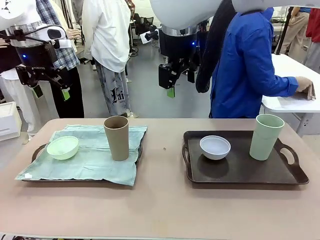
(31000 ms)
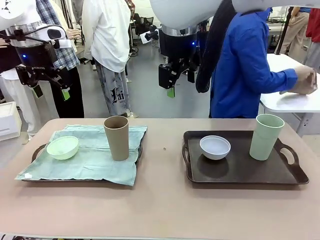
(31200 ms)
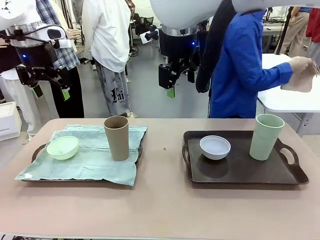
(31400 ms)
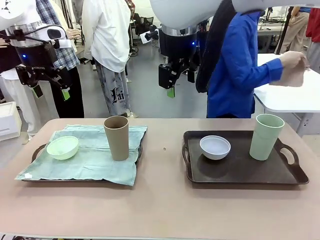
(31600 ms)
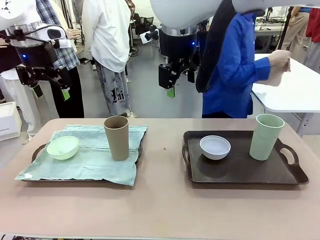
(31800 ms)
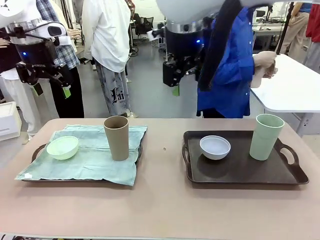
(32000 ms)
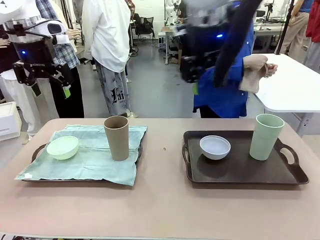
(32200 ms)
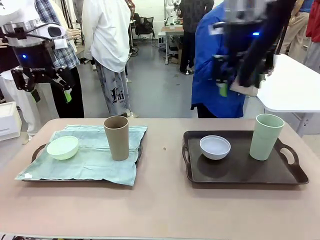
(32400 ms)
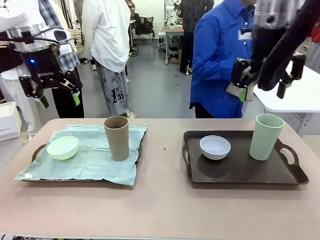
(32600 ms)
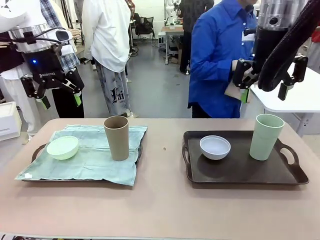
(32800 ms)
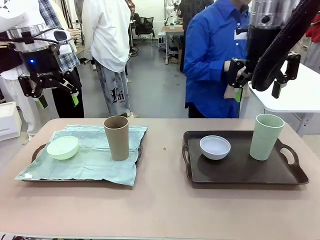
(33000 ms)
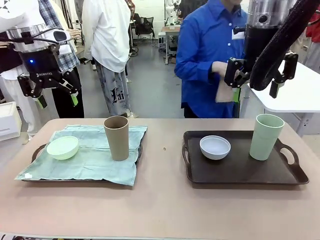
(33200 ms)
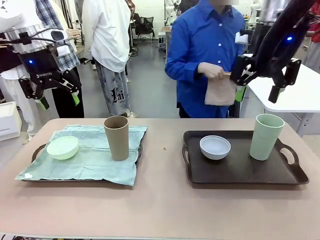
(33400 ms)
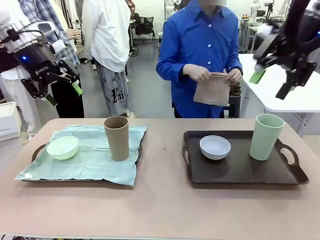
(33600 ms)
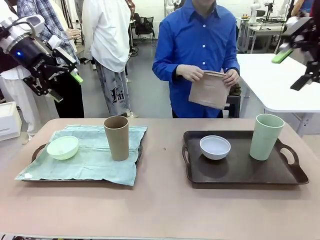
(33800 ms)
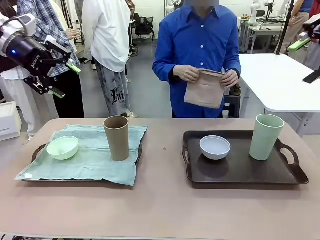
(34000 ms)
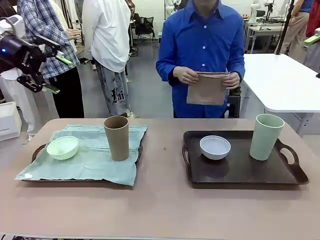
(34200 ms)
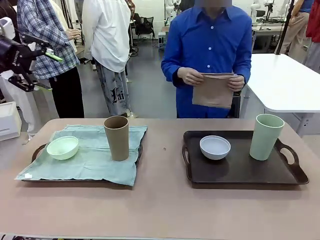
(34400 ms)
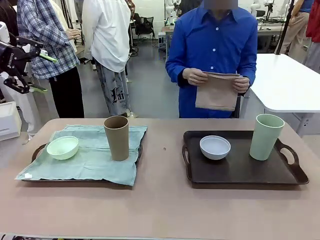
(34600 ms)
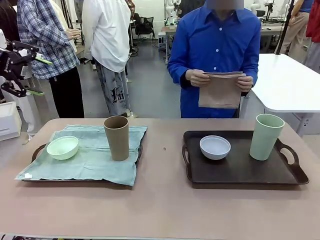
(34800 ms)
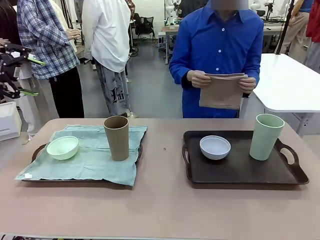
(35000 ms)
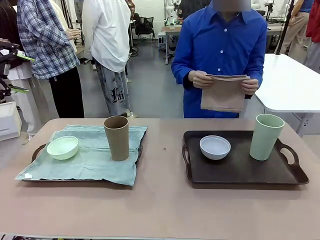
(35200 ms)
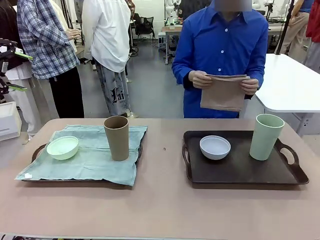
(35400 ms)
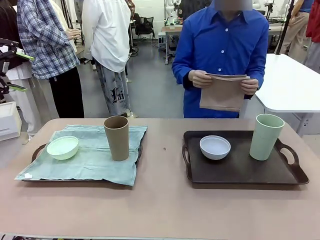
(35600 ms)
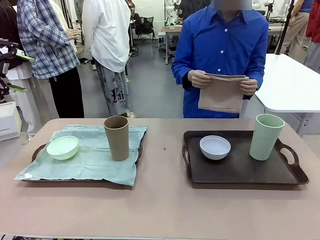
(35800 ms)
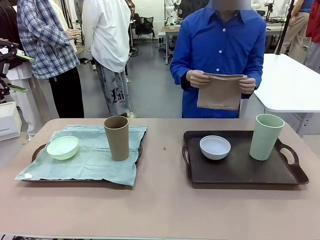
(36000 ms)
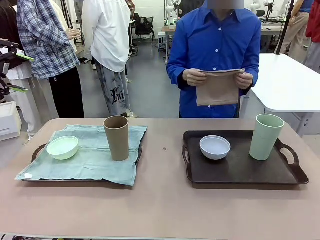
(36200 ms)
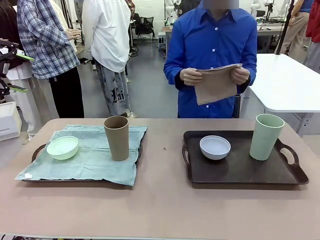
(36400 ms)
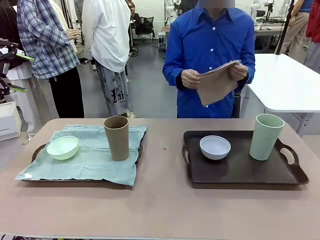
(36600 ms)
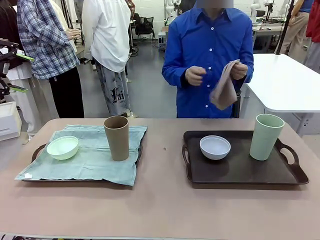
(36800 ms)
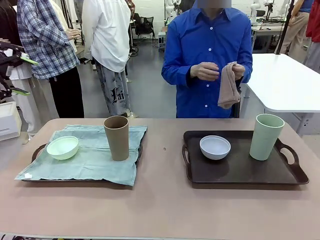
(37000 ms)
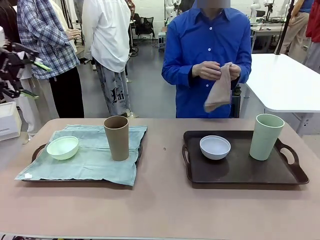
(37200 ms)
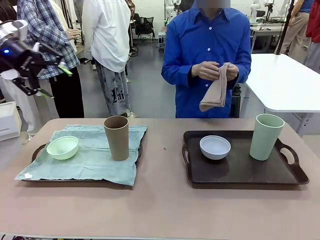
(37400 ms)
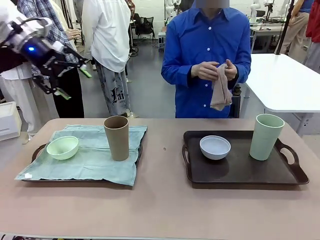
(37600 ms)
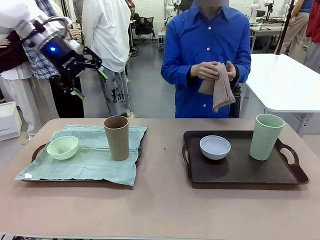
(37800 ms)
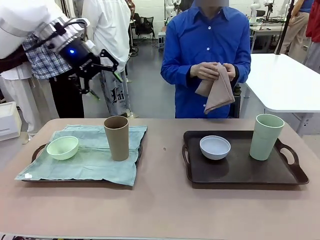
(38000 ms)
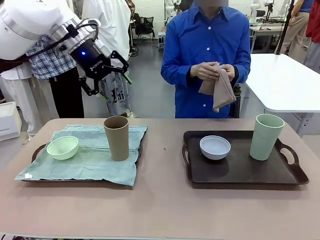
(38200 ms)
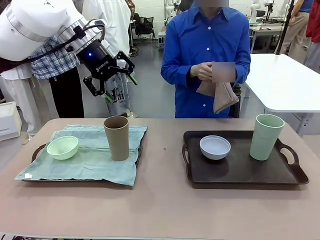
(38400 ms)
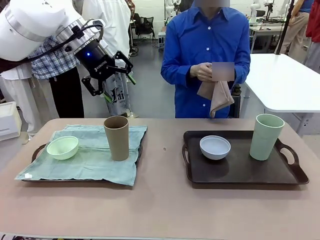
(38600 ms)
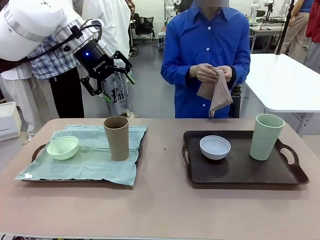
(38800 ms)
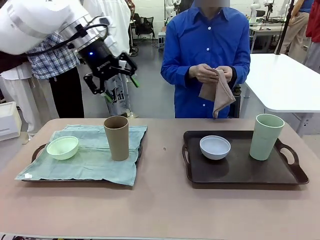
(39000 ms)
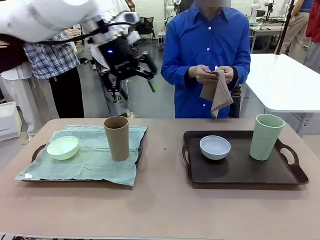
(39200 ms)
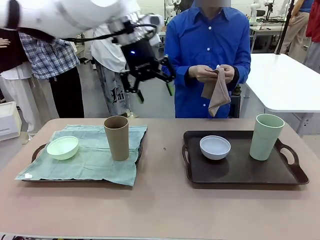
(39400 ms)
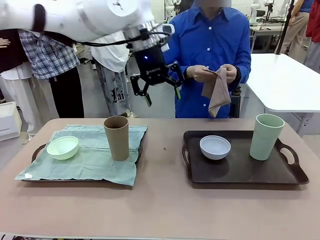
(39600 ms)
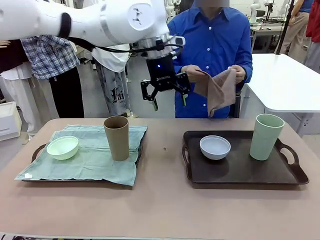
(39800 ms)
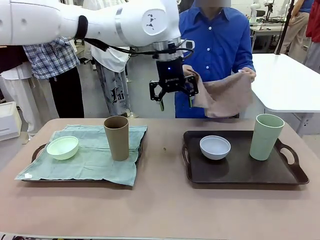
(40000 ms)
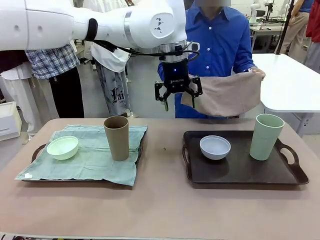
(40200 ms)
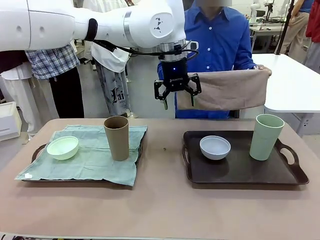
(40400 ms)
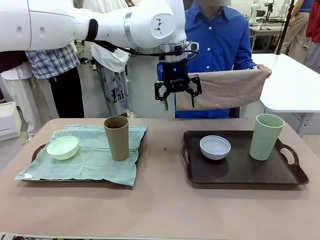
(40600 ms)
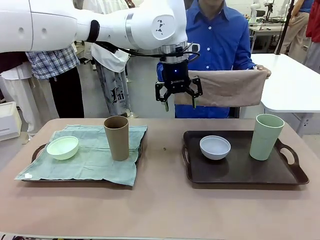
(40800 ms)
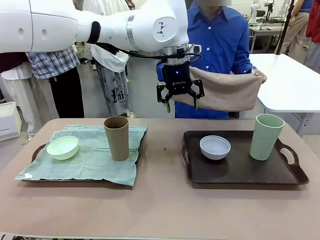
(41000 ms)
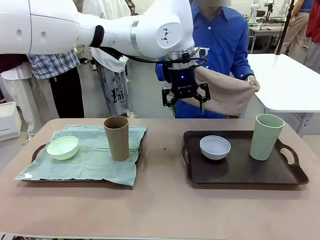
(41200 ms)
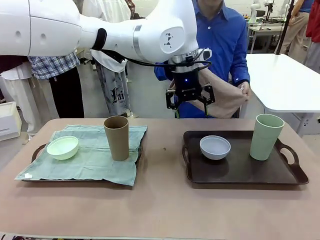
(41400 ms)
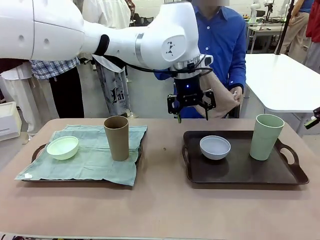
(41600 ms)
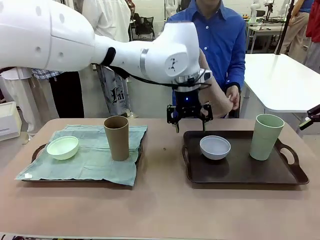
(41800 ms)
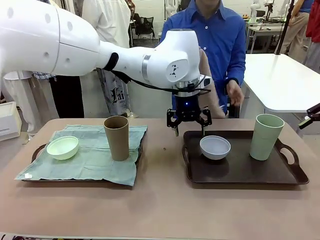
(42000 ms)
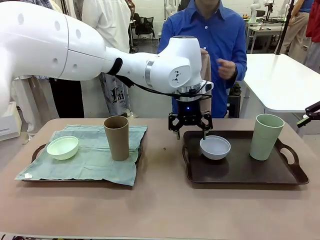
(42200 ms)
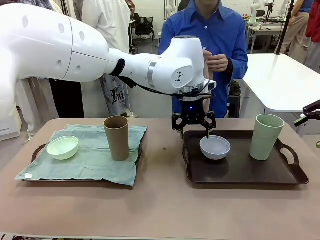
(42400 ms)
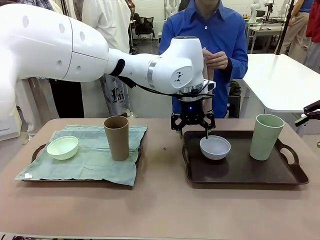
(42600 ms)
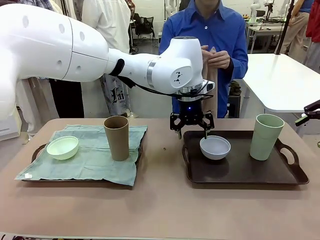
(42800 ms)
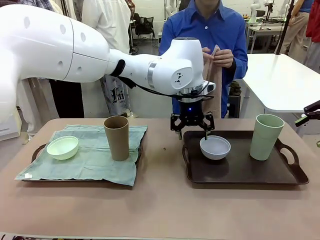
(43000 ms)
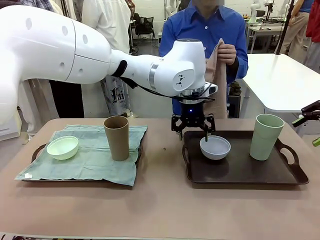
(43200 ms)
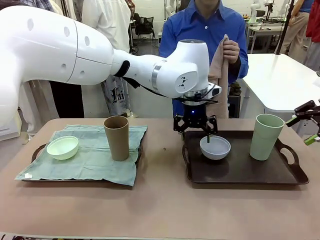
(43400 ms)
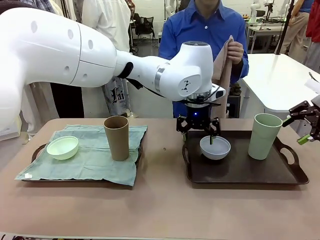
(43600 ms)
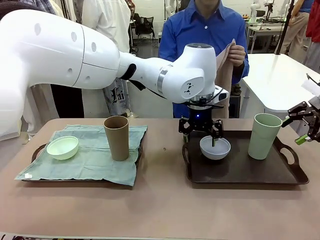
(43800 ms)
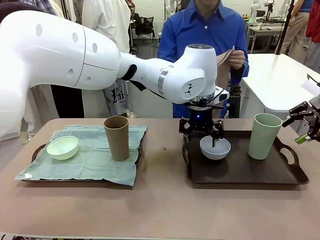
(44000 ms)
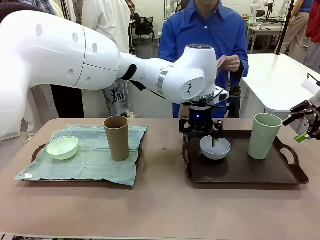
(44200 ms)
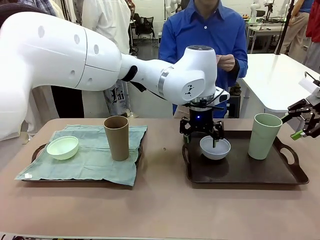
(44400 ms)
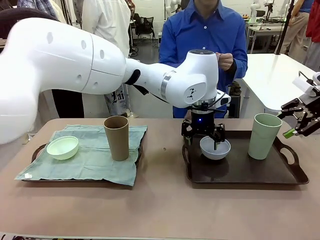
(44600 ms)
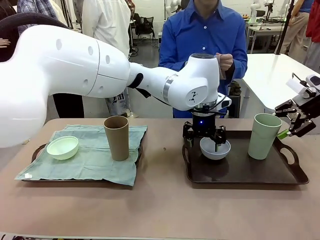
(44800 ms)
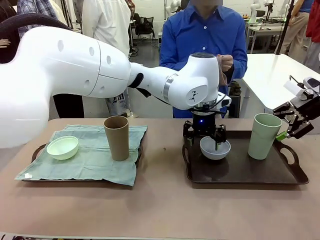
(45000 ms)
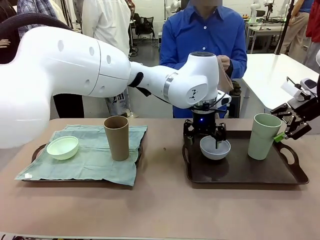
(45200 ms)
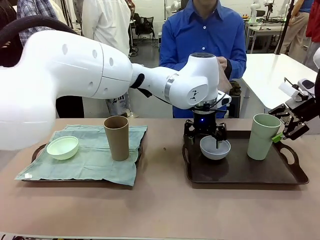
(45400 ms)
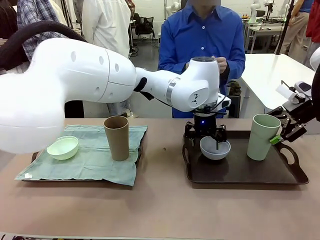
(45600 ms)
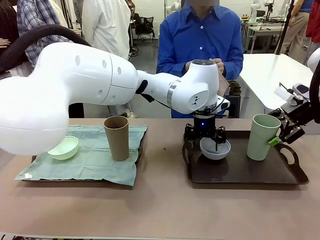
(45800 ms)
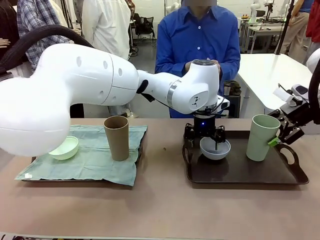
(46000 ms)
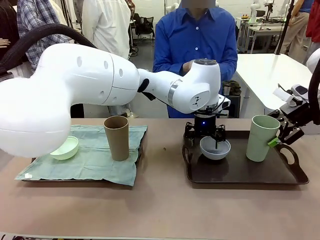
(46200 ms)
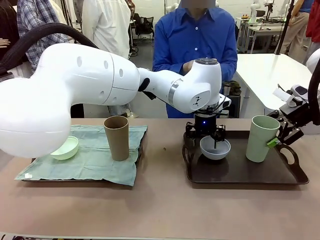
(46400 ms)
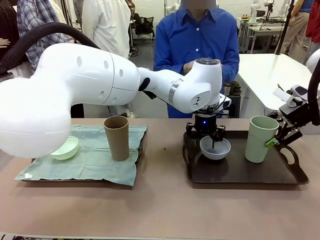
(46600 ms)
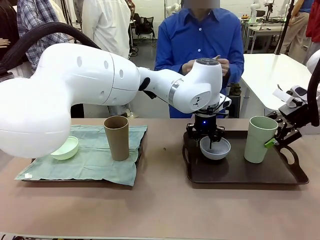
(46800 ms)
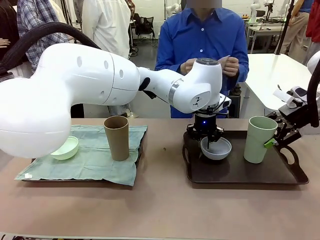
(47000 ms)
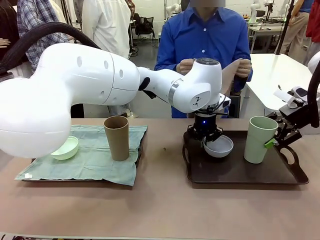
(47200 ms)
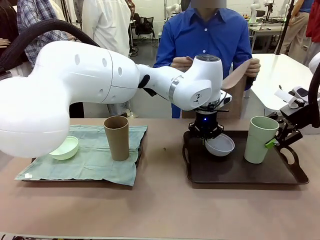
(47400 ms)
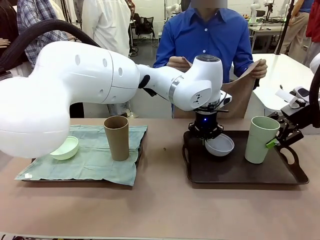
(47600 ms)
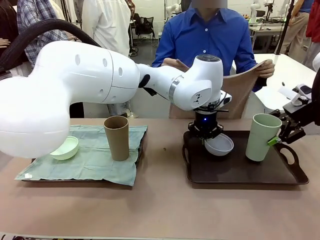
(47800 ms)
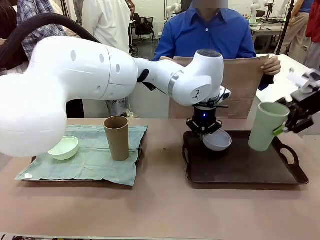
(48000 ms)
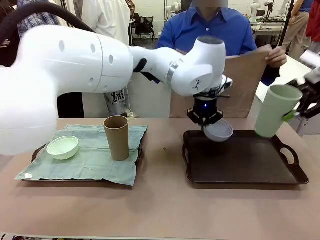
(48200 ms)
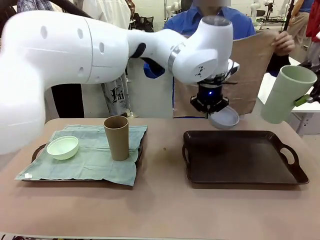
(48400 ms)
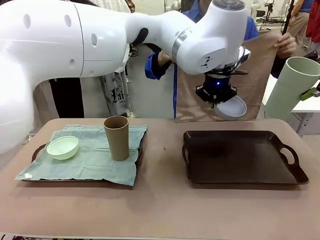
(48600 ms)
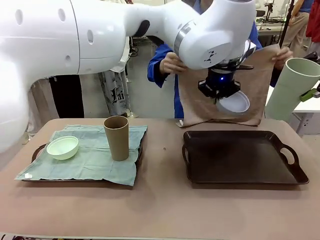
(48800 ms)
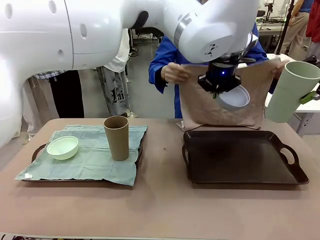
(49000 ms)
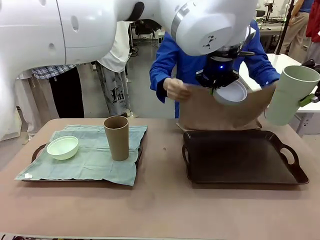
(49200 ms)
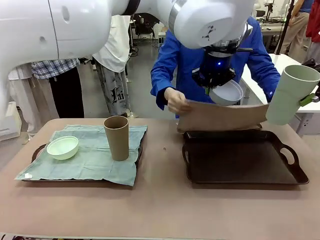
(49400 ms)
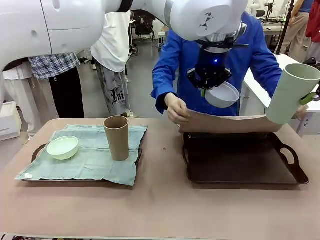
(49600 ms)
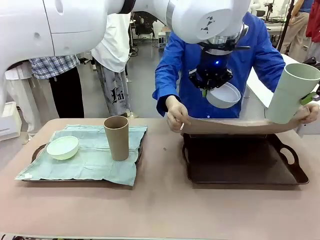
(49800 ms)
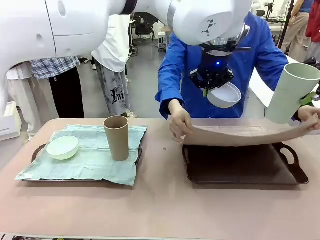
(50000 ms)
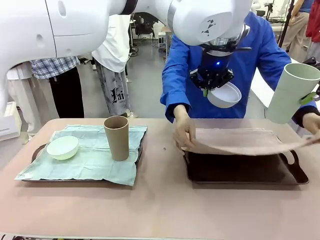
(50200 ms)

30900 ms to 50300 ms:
Robot: Pick up the Picnic Bowl and Reusable plastic cup from the Handle tray in front of the human's position and hold them in the air.
Person: When the robot lifts the bowl and the cup, the human unfolds the napkin and lays the napkin flat on the tray.
